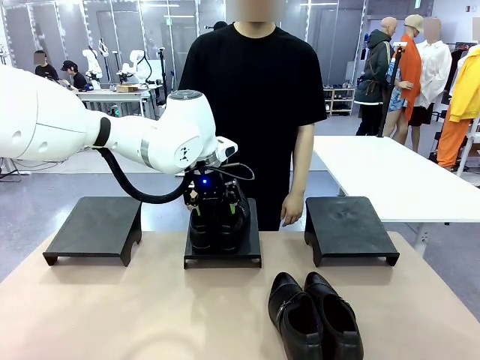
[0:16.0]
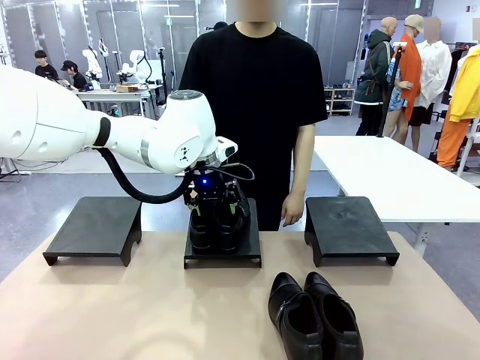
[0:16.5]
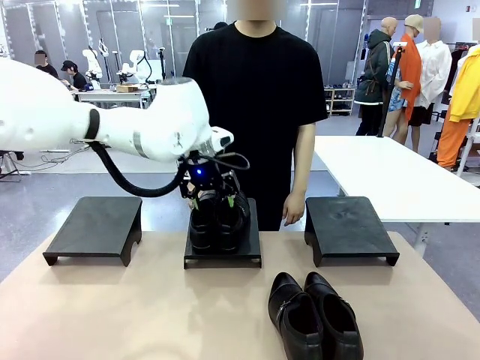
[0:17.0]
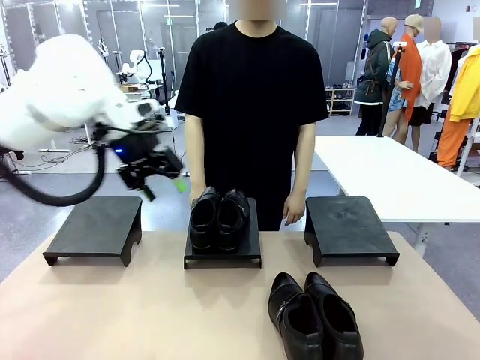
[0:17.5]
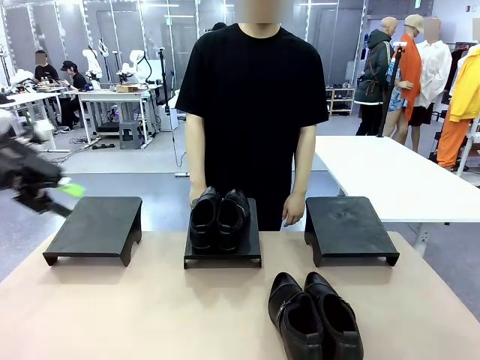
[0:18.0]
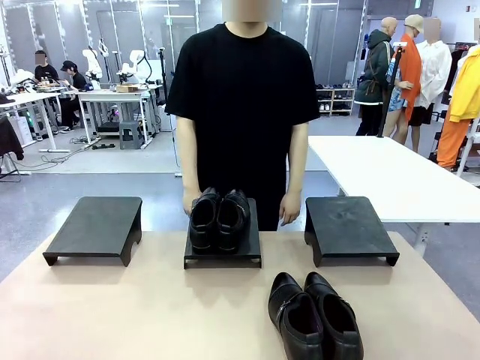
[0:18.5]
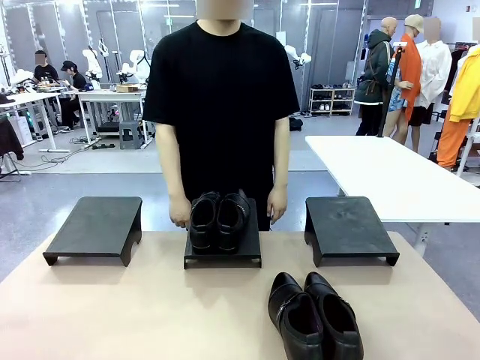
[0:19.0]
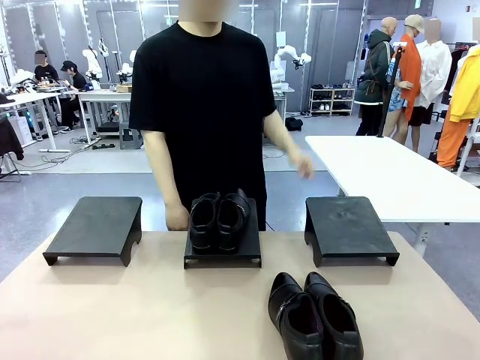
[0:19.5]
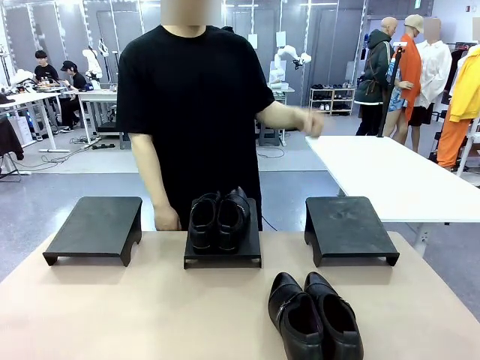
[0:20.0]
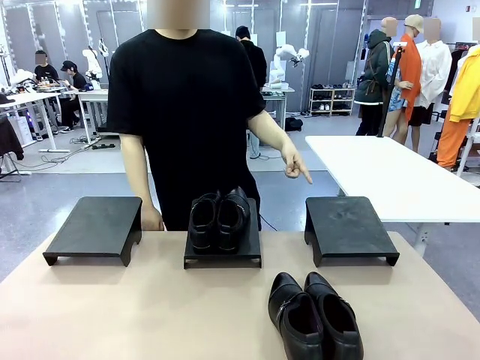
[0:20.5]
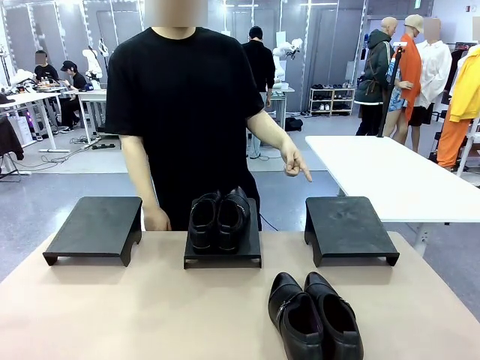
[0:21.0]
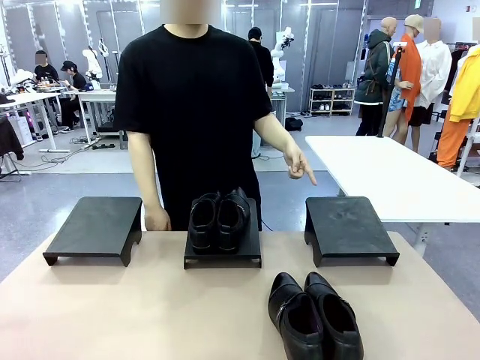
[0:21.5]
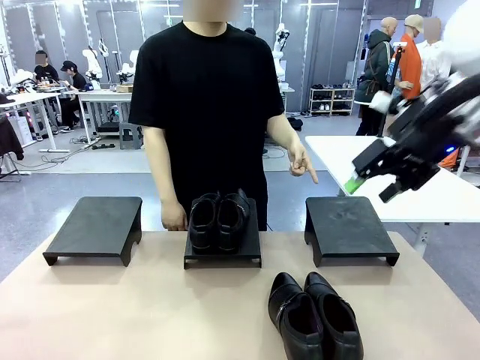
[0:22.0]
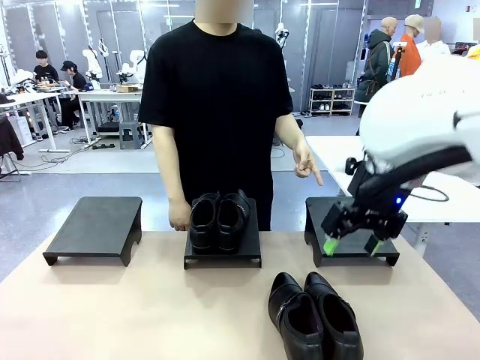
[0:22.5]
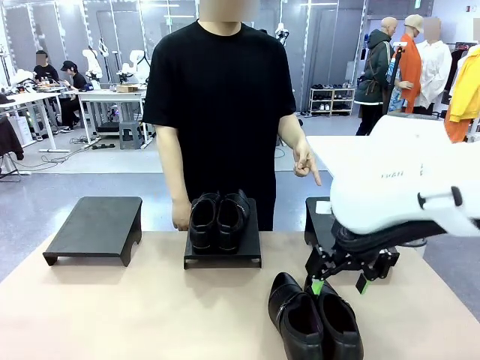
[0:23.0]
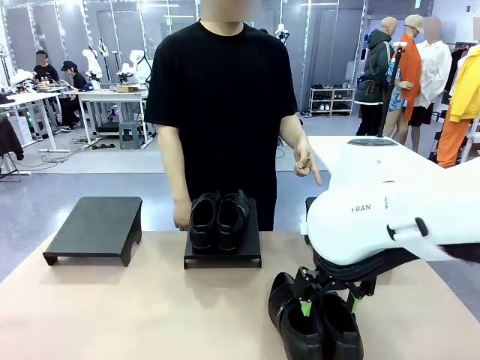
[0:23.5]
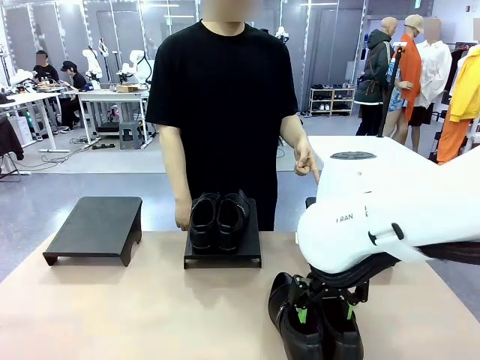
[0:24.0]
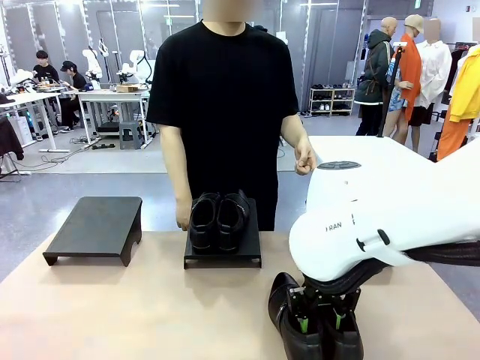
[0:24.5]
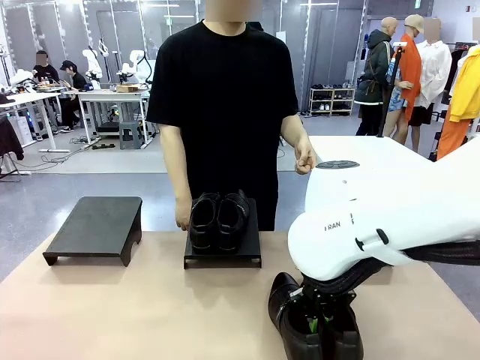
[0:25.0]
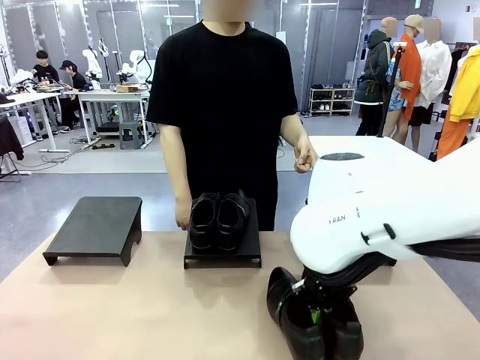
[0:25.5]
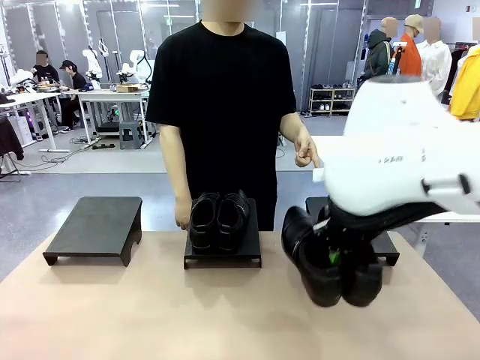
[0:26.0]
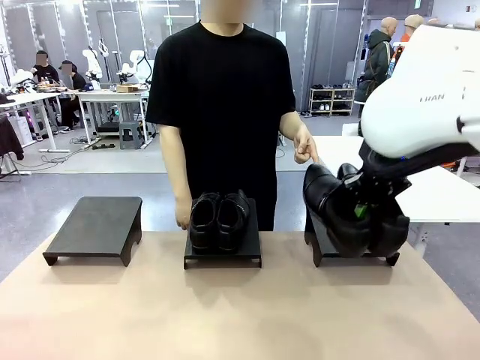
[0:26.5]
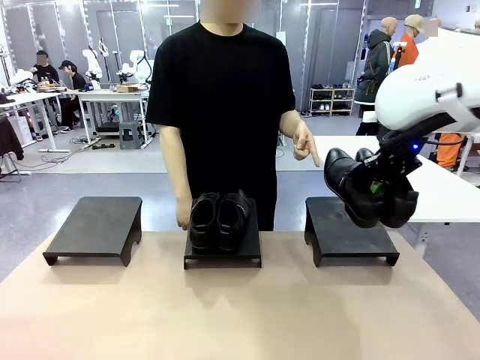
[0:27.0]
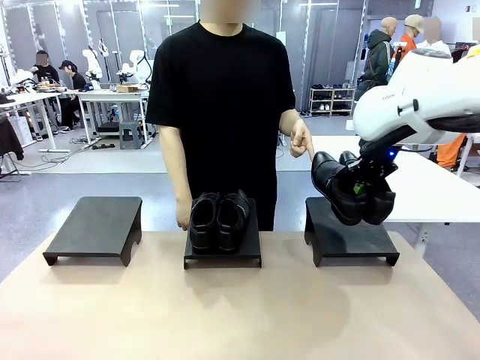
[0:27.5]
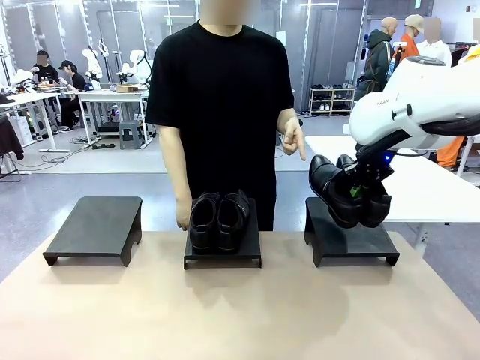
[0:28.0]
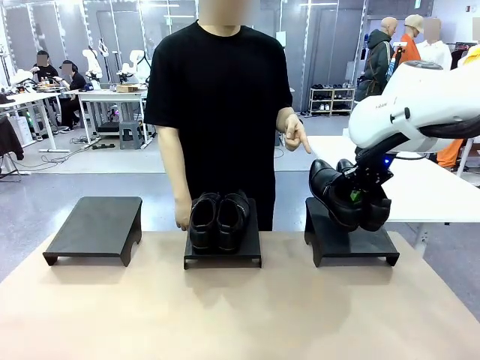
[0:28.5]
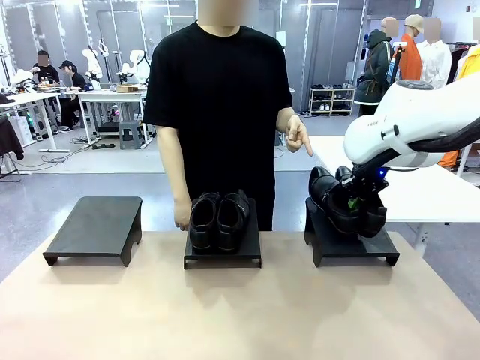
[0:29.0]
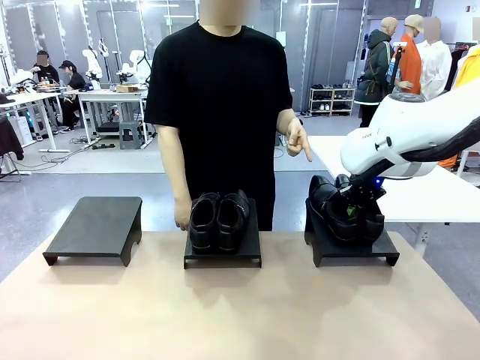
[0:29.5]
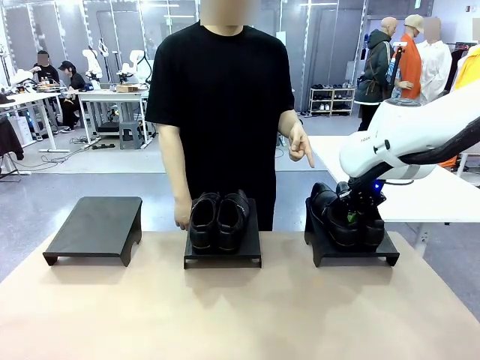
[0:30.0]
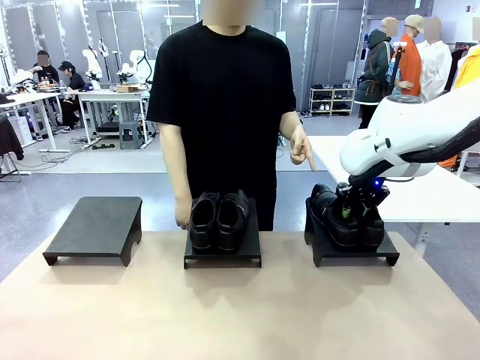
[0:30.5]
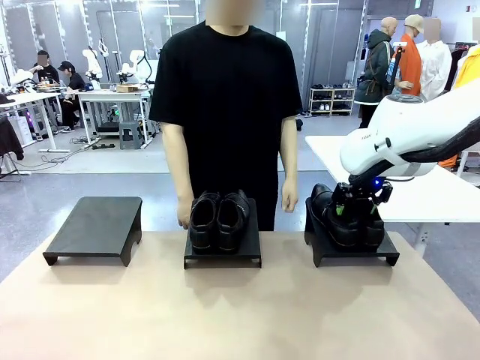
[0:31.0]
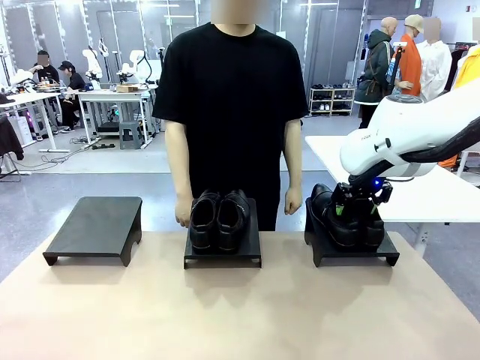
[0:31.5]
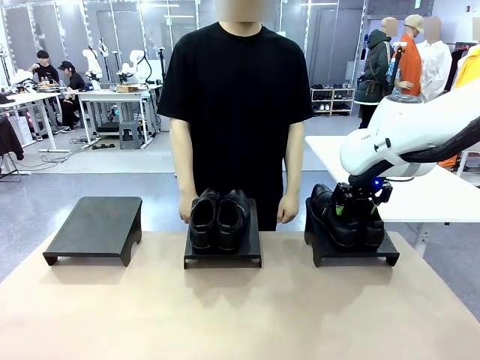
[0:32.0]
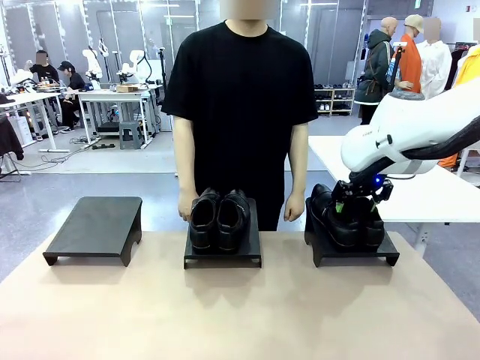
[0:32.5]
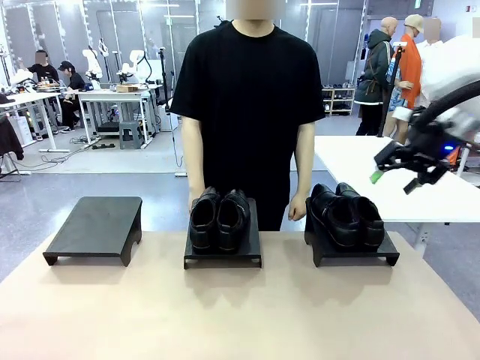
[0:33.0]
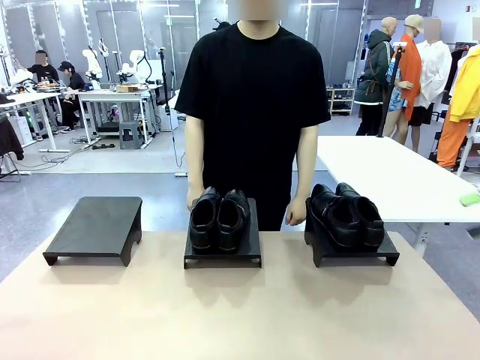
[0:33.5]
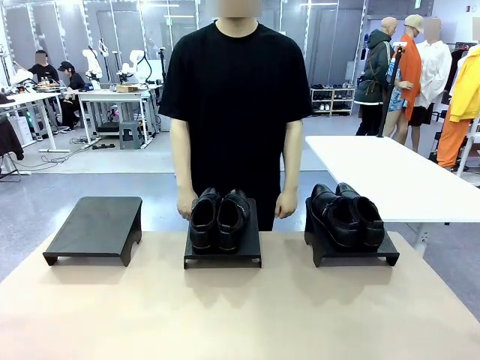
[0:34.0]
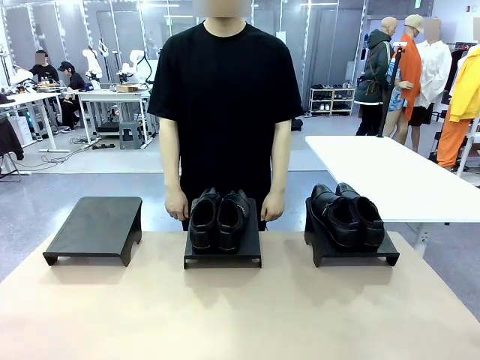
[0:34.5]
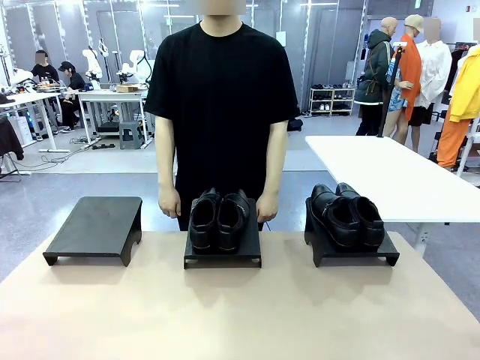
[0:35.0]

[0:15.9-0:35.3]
Task: Place the shoes on the stand as instructed by the person.
Robot: Pick up another pair of Shoes and place it on the Shoes Stand indicated by the person.
Person: Point to one Shoes Stand.
